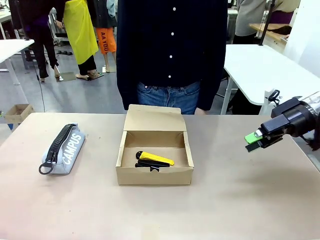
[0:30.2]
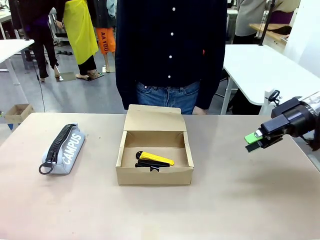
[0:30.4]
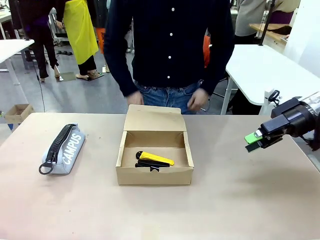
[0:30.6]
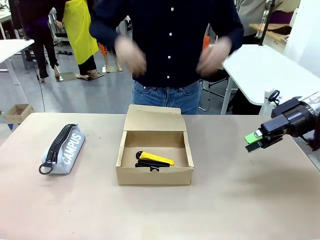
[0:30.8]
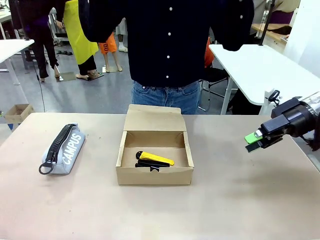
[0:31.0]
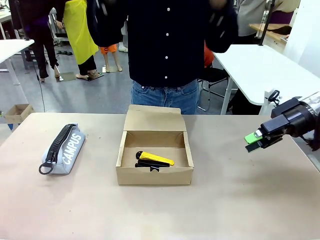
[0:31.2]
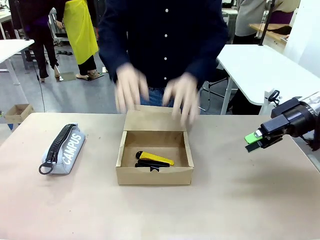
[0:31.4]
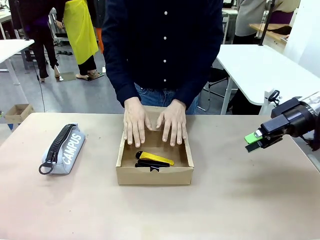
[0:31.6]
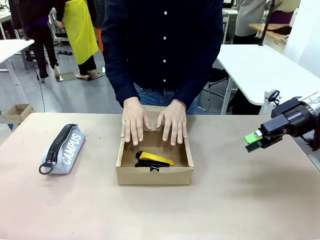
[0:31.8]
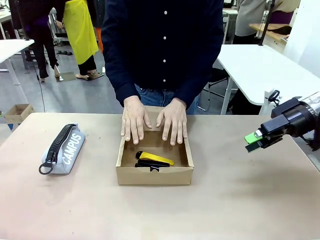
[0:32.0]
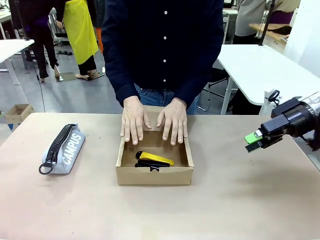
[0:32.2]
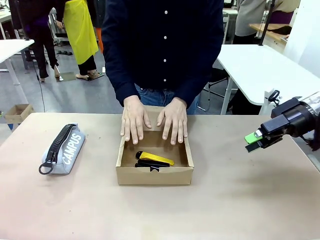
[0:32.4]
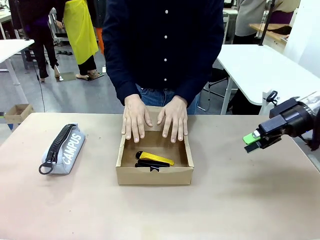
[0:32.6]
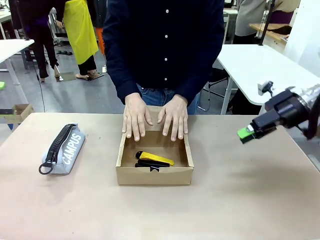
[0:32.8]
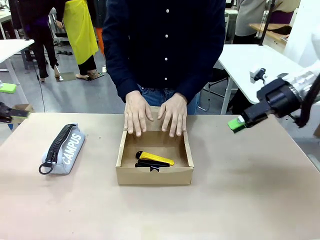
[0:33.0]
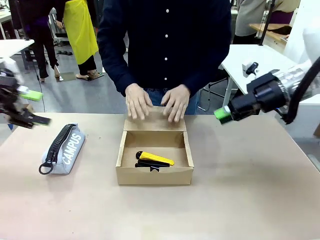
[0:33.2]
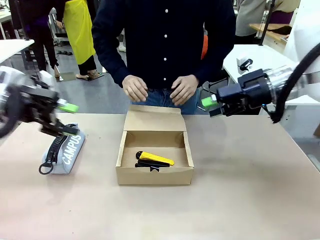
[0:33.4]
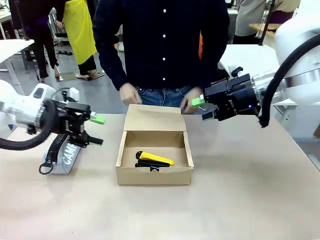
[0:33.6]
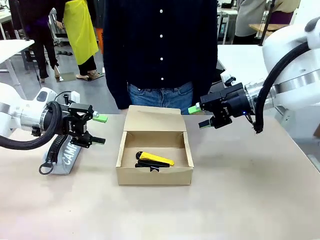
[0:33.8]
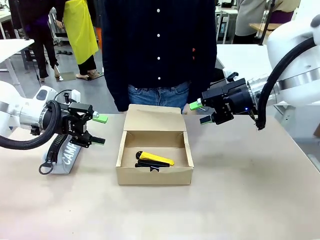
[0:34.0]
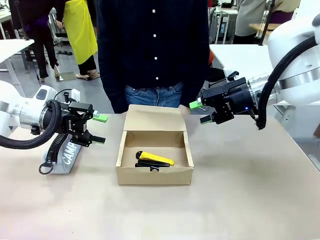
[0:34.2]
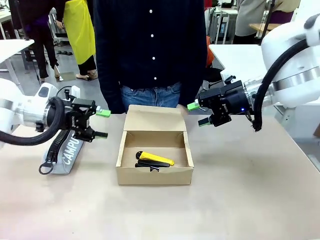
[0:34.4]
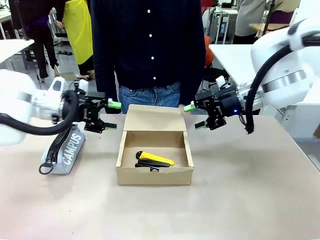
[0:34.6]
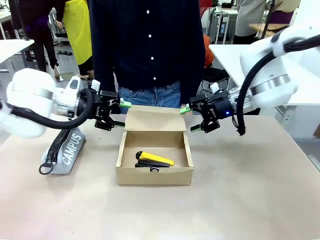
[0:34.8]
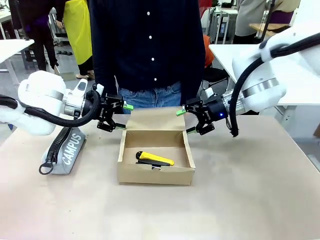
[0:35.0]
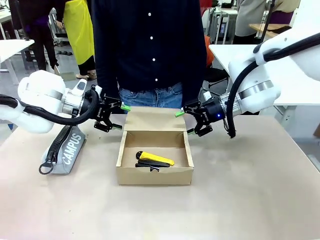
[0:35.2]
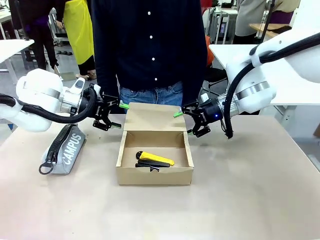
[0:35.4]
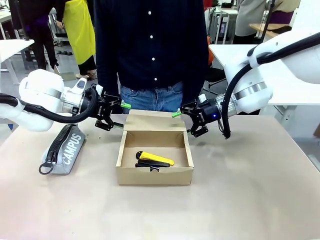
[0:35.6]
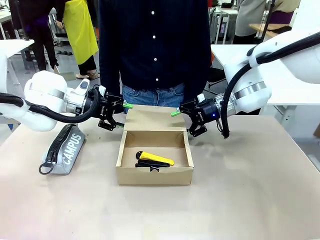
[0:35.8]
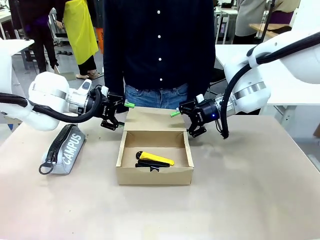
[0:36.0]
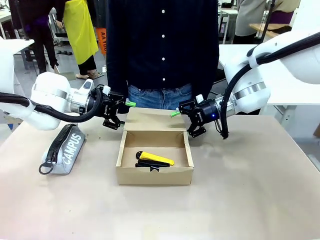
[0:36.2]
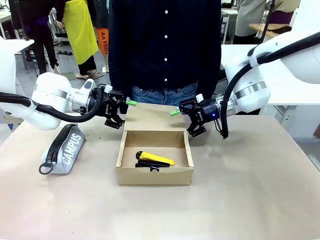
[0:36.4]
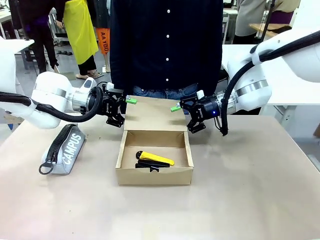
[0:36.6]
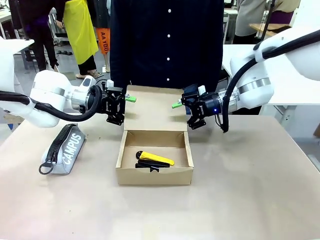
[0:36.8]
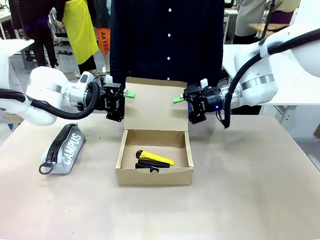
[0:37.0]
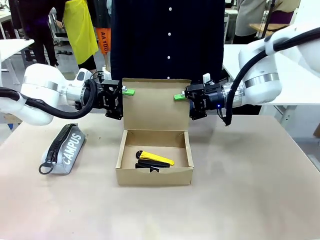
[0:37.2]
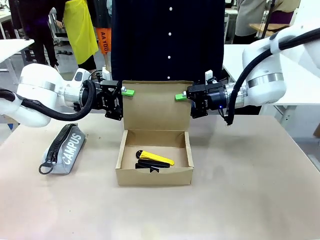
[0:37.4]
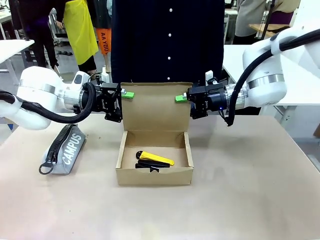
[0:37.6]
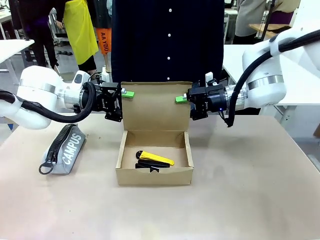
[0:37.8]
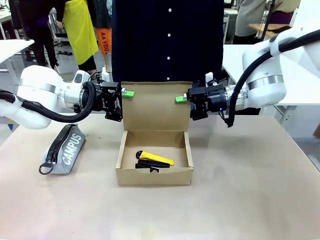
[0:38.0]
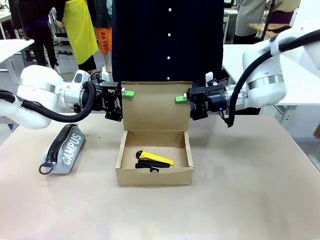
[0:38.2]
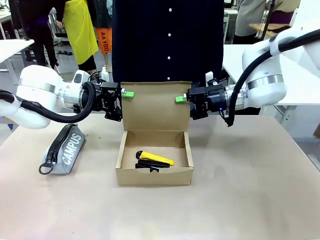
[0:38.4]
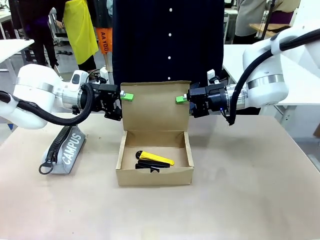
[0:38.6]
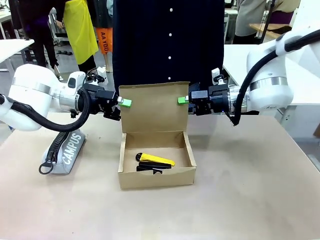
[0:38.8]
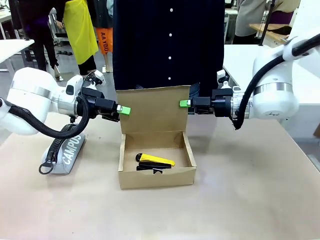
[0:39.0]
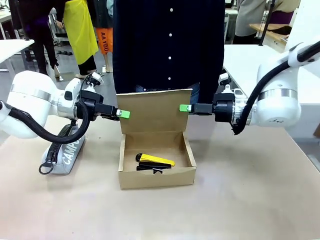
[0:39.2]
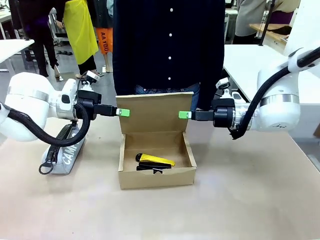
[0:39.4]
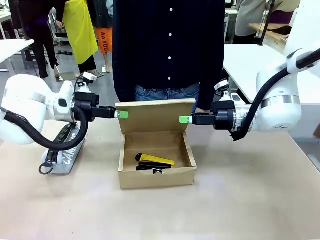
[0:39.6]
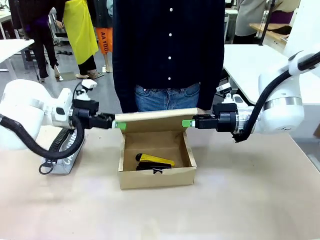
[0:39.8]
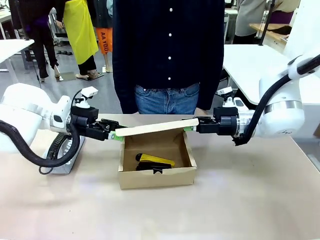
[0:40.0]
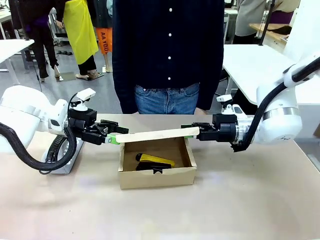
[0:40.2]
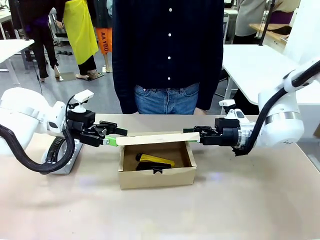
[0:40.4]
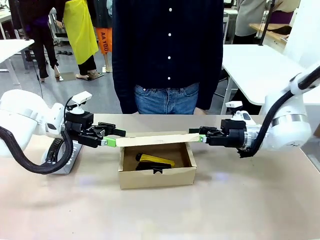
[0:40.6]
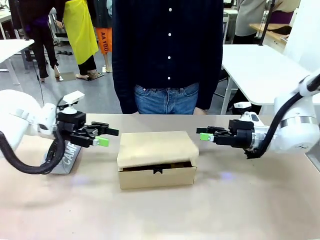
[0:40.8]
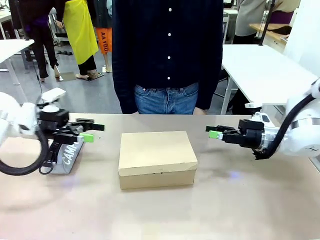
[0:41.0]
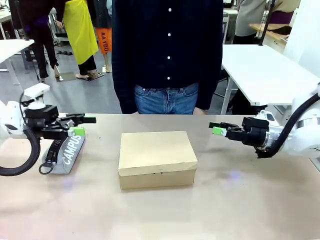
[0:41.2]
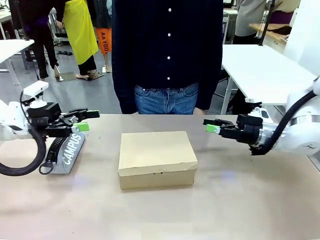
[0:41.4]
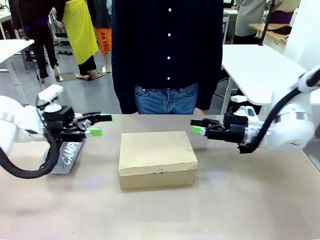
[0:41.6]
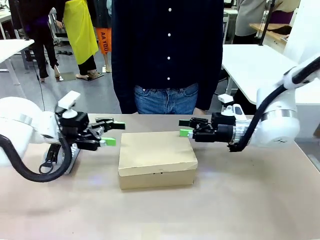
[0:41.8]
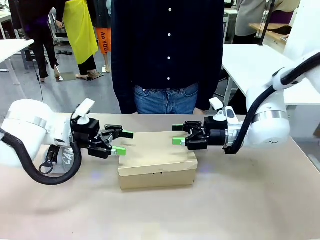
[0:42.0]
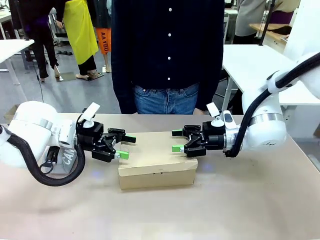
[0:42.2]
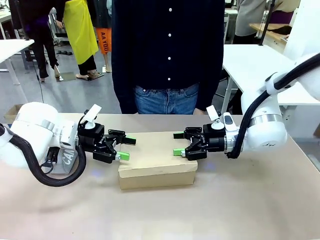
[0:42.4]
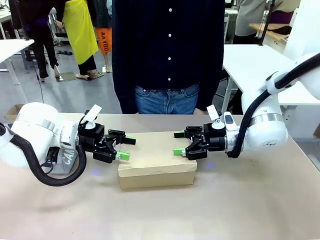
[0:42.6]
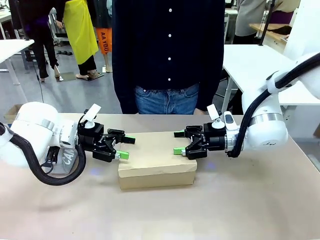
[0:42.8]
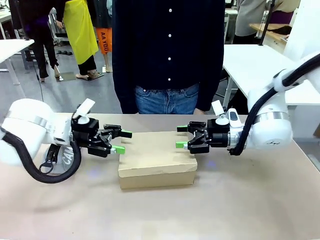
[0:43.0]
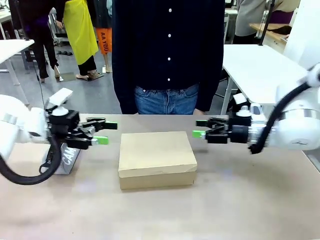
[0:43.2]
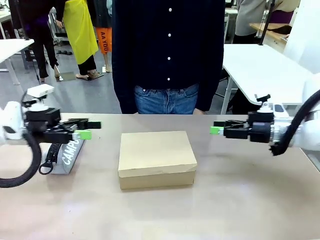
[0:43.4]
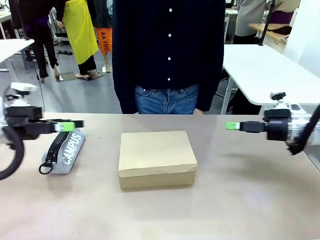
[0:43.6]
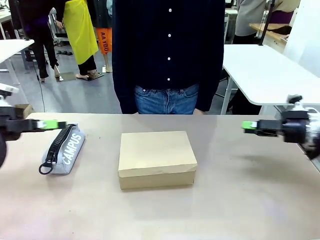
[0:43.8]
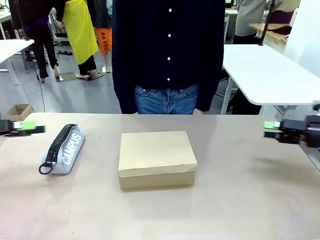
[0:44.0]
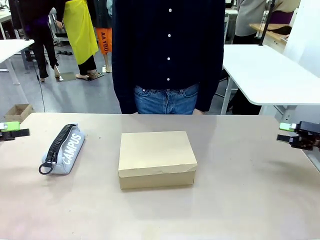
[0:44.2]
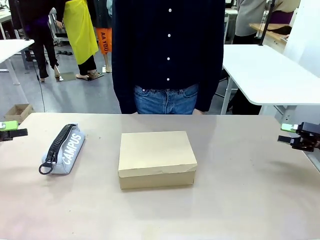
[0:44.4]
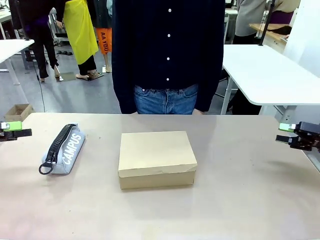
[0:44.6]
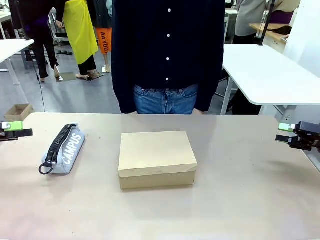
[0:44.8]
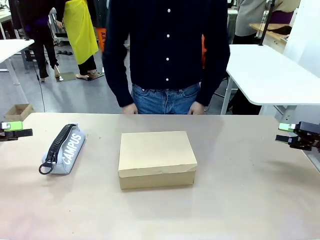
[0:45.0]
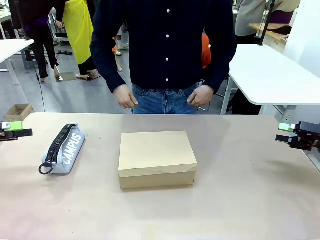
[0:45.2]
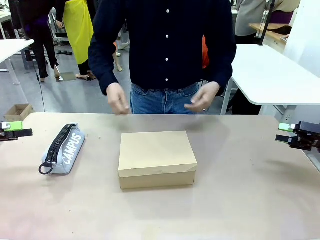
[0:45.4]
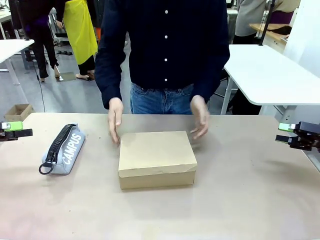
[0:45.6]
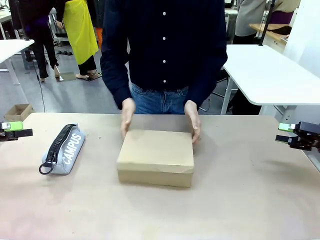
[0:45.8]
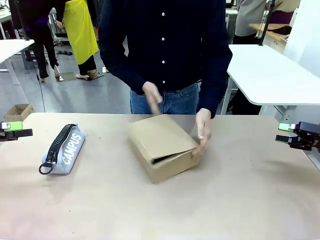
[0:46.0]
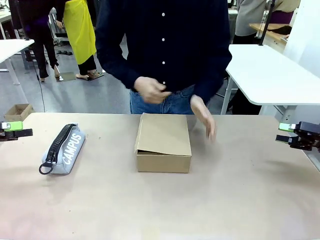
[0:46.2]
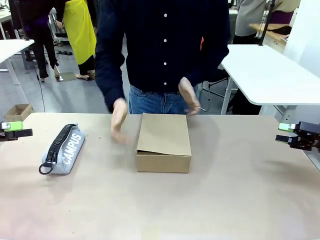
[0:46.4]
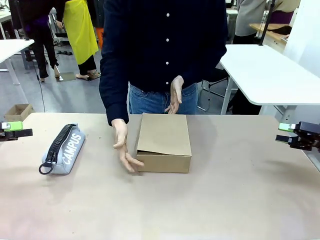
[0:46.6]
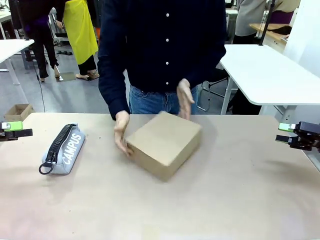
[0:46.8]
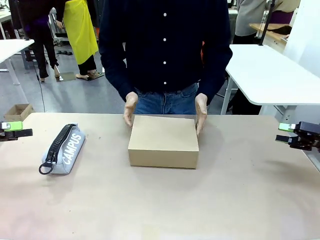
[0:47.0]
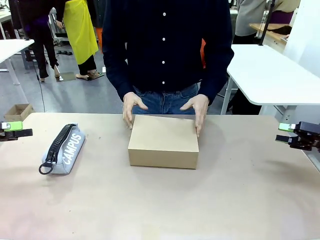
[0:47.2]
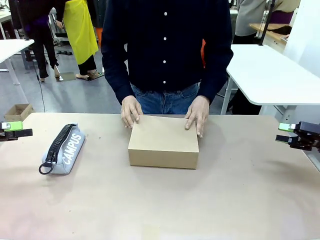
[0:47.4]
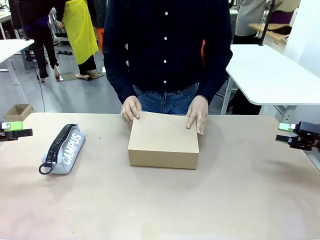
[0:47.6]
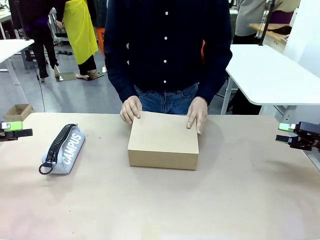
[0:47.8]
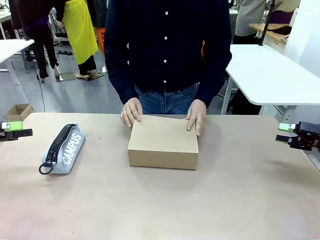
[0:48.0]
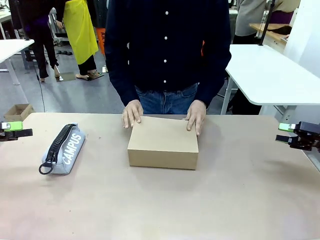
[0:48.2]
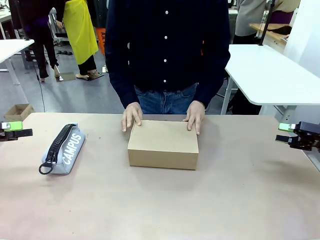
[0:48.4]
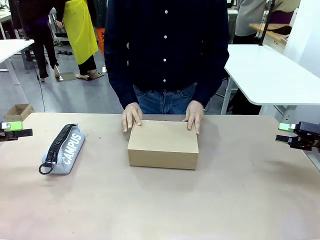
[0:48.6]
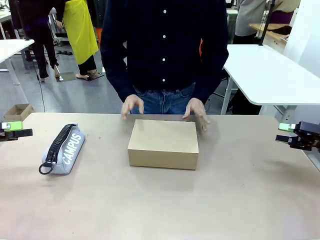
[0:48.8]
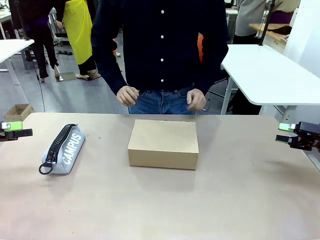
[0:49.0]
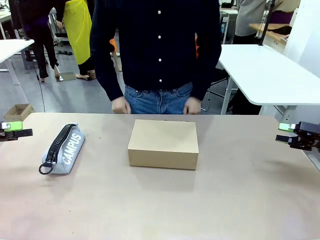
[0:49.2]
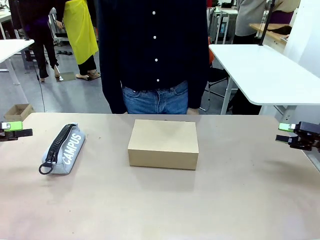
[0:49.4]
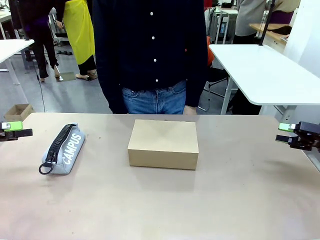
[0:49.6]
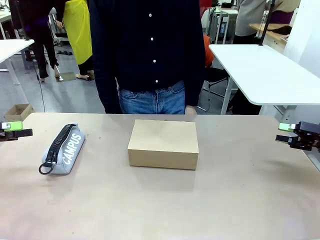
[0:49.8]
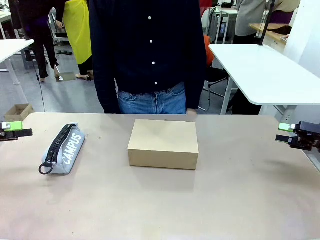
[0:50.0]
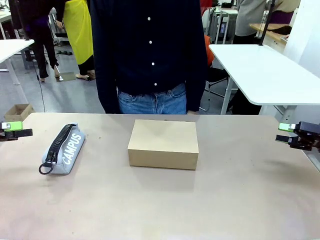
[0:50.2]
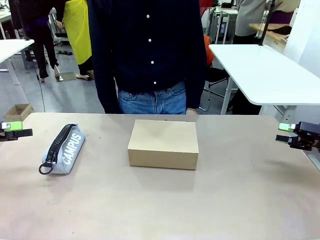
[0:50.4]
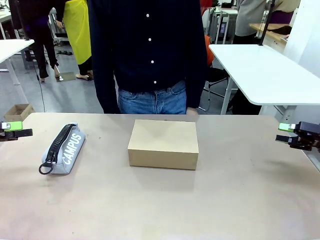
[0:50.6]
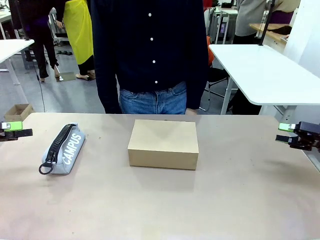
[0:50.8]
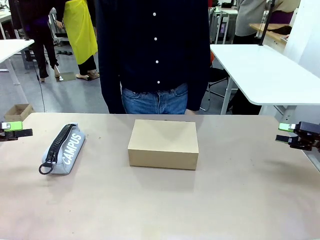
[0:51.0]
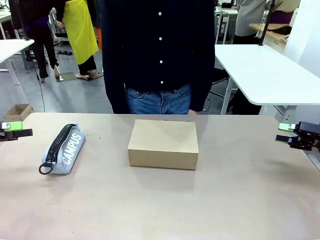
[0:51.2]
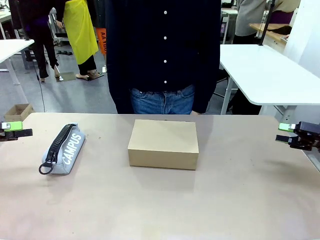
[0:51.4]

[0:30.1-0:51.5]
Task: Pack the items into the box.
Robot: Close the Mailer Box.
Person: Turn the box and lock it.
